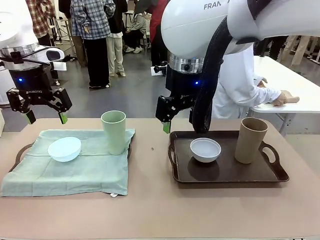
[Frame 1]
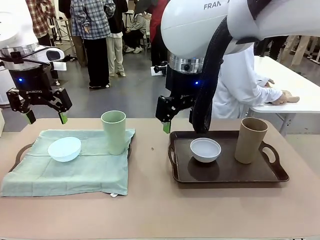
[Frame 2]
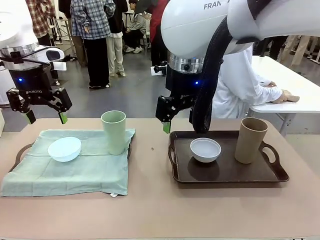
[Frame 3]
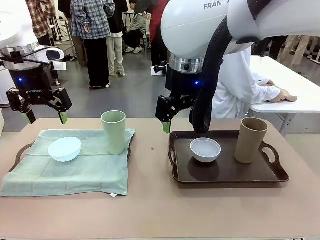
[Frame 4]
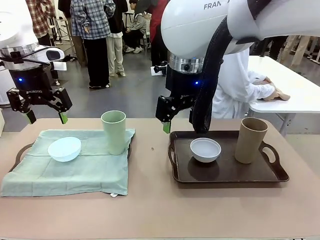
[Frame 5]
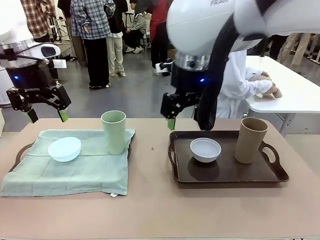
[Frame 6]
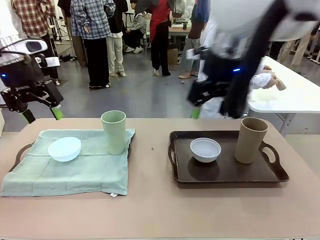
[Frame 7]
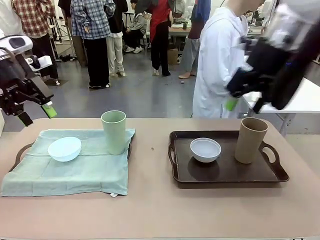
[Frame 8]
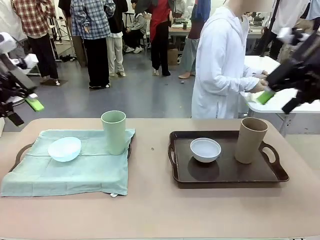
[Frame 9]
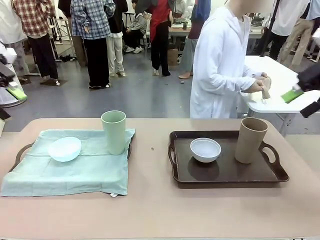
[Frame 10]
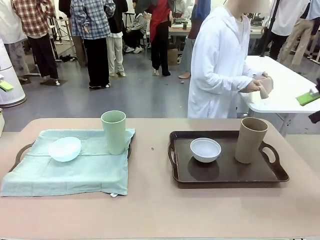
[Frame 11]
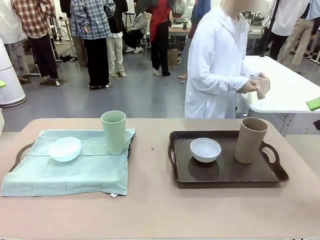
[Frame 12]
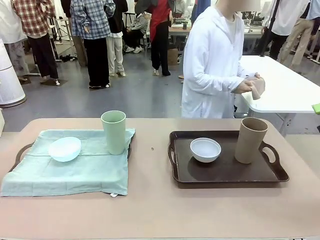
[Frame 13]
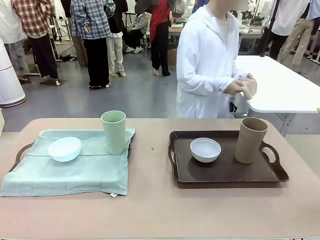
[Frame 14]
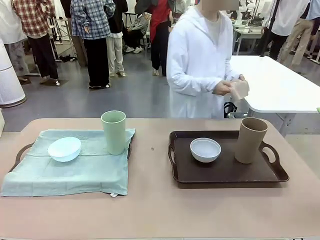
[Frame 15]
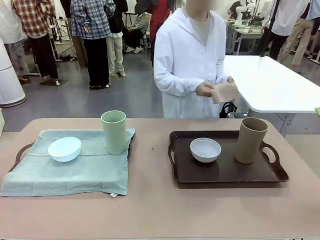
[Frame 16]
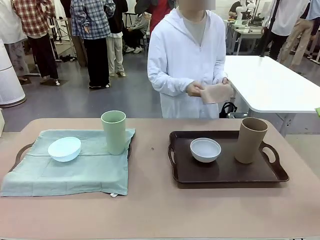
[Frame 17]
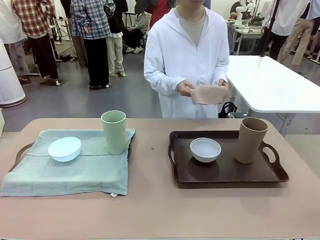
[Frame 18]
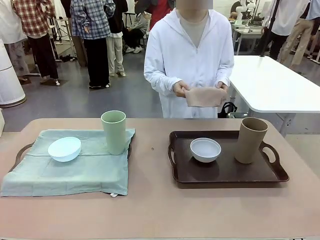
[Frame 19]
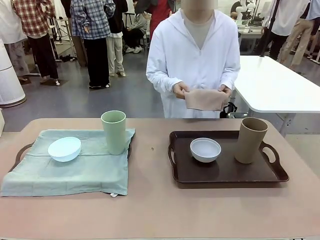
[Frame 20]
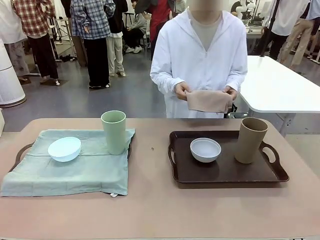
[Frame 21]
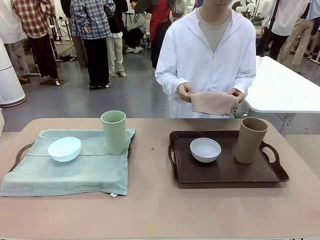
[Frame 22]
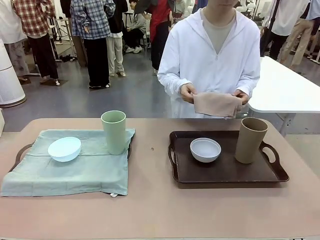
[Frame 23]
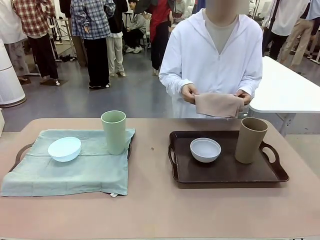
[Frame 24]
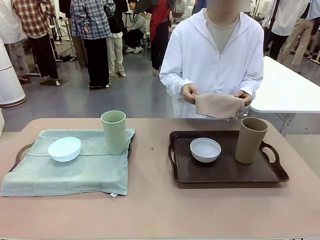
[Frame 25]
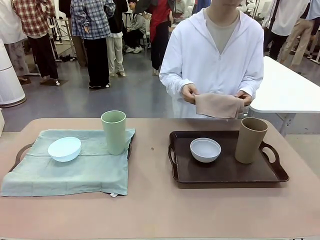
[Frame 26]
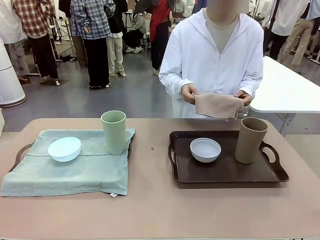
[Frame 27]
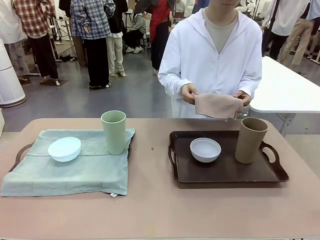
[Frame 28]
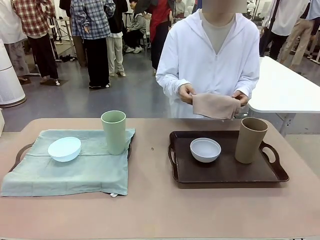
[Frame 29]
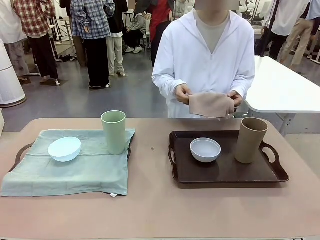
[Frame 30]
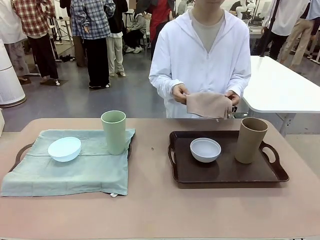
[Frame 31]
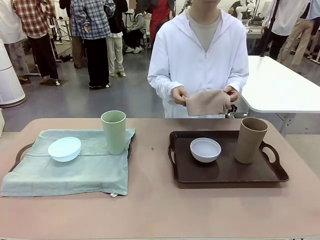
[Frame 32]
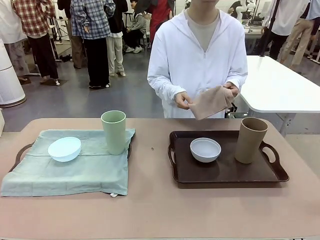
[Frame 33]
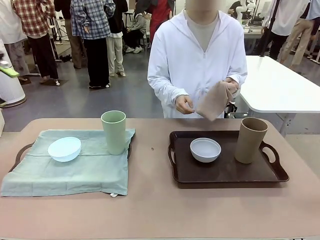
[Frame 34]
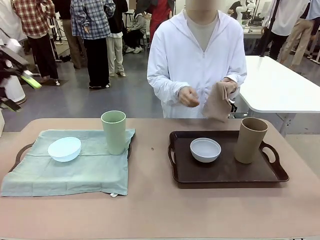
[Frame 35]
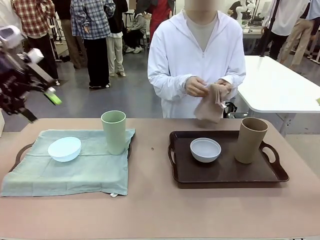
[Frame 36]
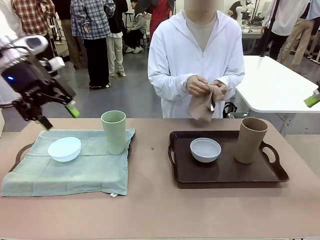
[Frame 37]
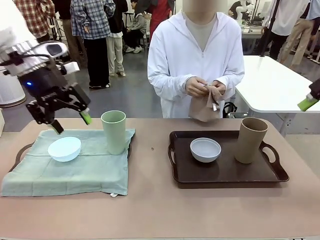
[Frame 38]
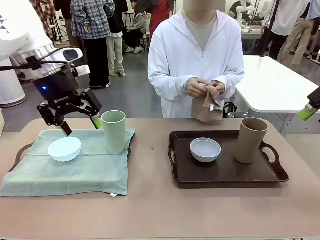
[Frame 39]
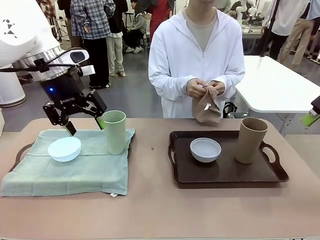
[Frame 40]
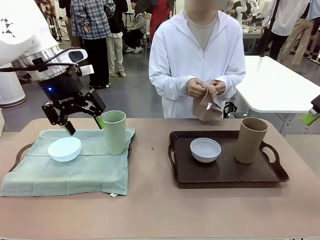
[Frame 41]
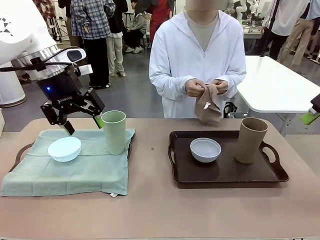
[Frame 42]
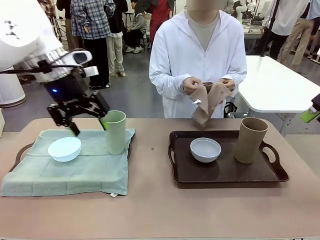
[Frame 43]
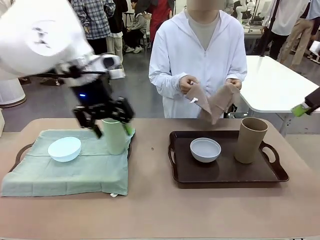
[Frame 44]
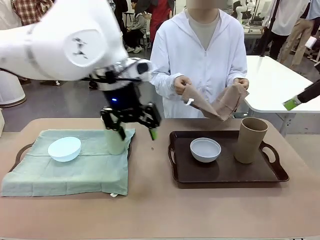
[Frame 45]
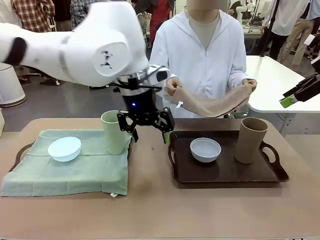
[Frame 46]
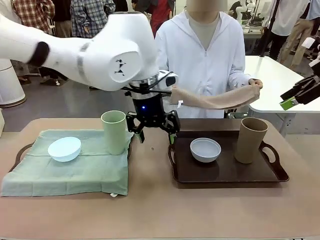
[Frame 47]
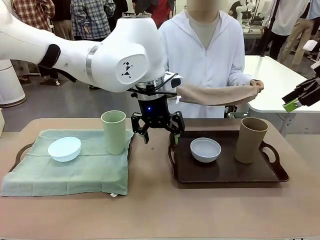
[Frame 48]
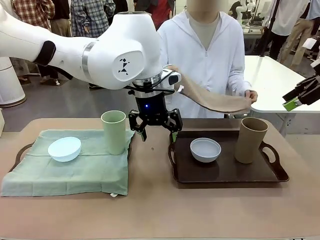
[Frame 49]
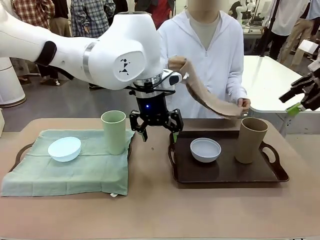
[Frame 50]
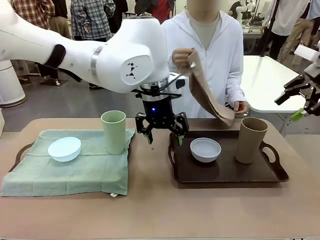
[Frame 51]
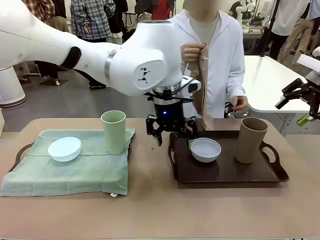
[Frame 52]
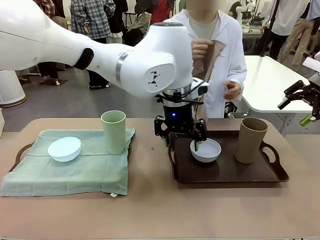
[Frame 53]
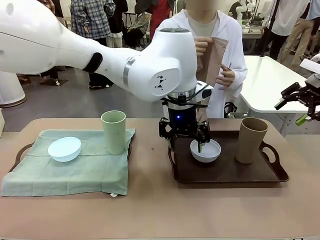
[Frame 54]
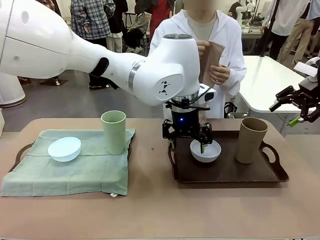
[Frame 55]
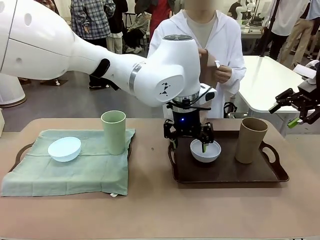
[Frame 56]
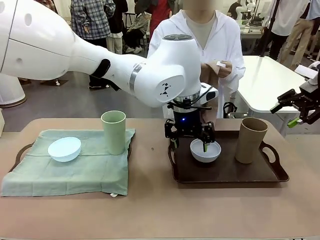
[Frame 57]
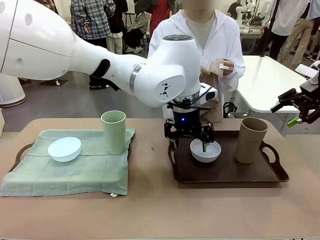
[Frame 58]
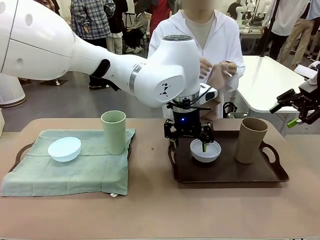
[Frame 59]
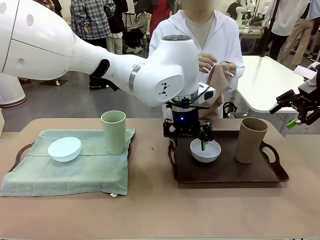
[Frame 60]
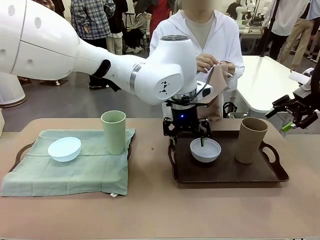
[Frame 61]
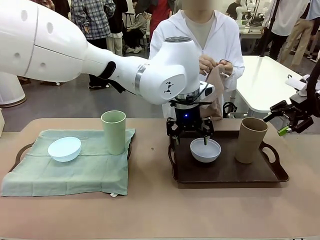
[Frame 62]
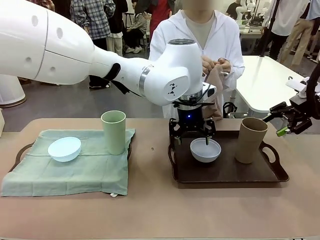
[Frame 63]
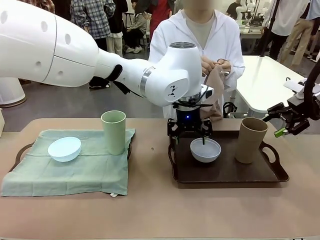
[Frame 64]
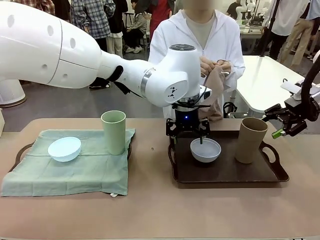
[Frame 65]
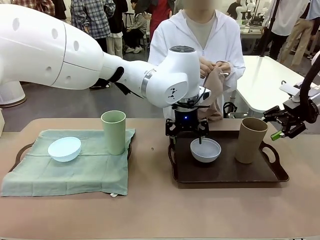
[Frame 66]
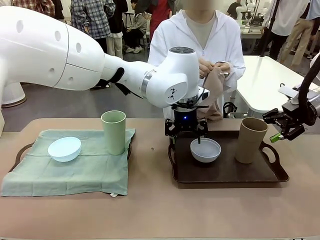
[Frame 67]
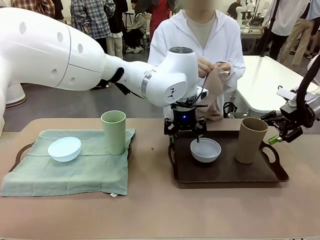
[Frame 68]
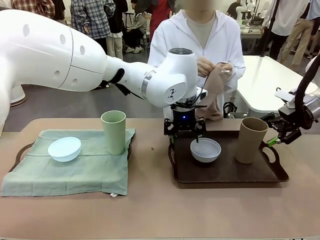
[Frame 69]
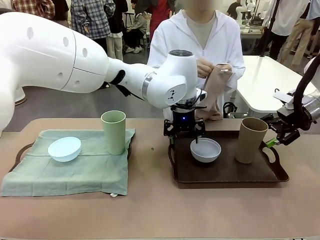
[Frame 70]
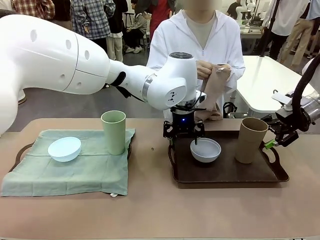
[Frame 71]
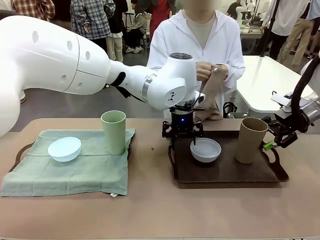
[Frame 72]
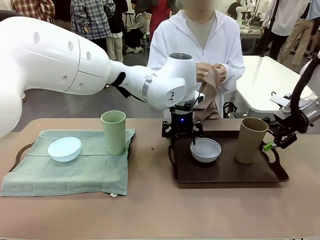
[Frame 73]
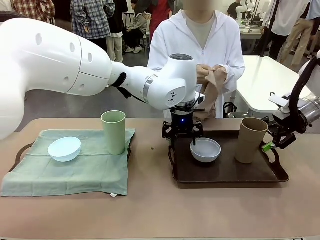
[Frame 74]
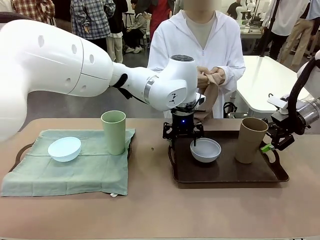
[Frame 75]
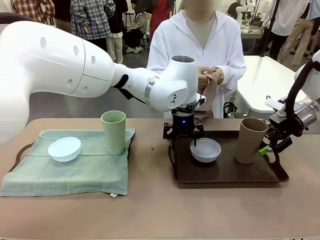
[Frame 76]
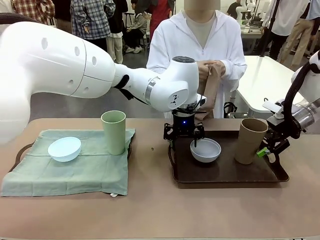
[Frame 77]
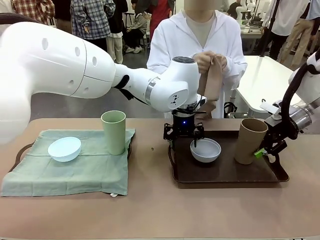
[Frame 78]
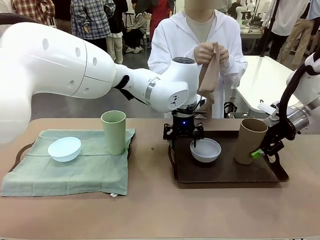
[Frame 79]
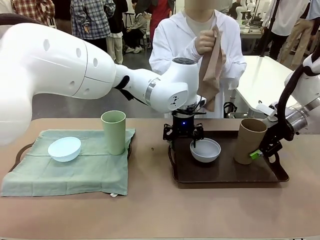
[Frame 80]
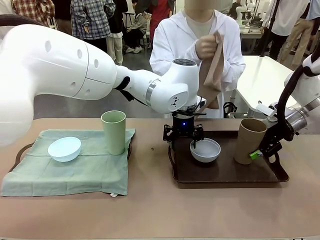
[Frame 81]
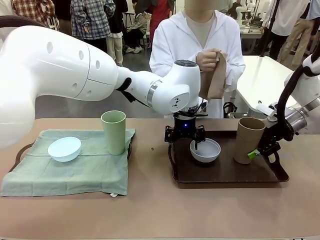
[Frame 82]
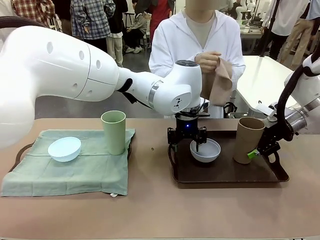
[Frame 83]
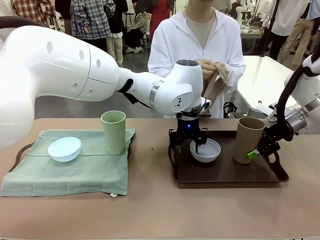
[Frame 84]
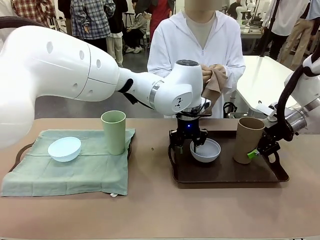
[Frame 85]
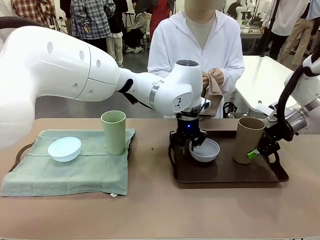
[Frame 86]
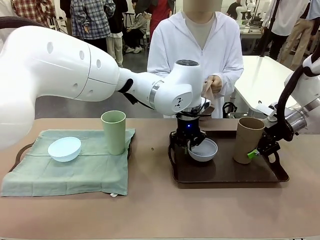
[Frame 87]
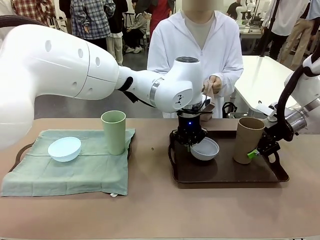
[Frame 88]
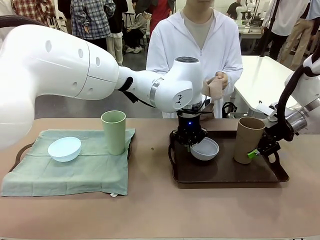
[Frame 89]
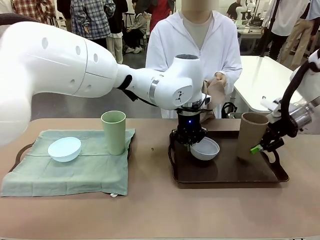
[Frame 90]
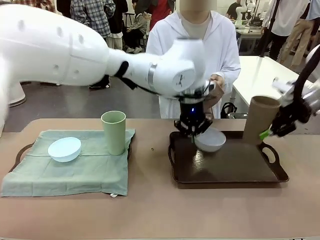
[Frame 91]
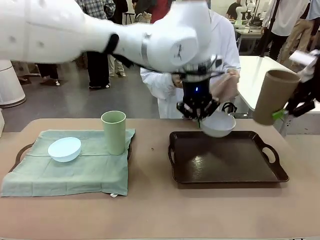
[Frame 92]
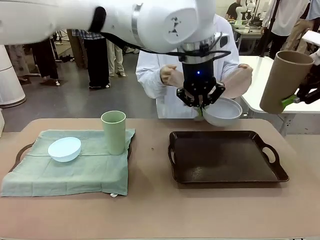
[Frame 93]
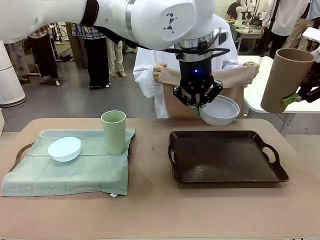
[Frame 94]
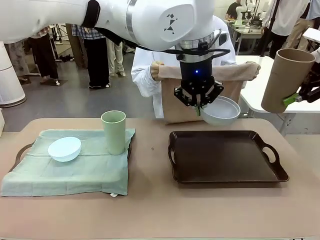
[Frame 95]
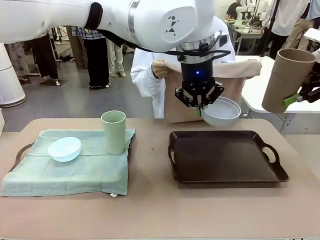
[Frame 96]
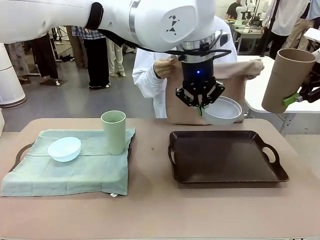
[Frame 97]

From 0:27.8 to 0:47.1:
Robot: Pick up the Picnic Bowl and Reusable plastic cup from the Handle tray in front of the human's position and hold them in the air.

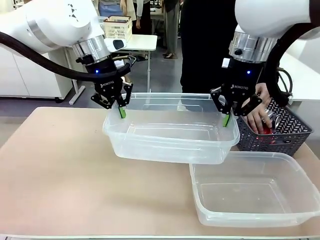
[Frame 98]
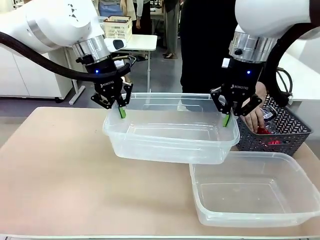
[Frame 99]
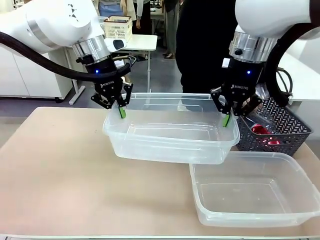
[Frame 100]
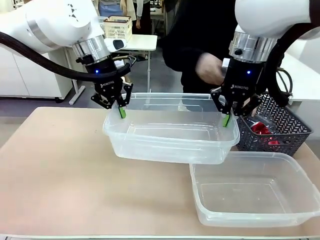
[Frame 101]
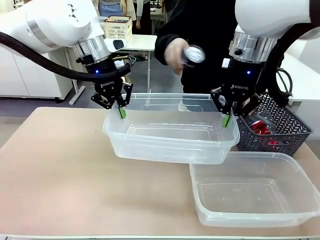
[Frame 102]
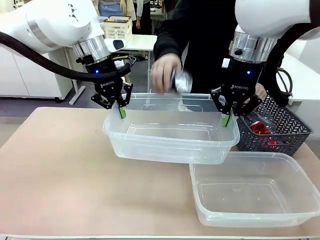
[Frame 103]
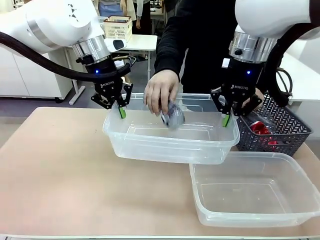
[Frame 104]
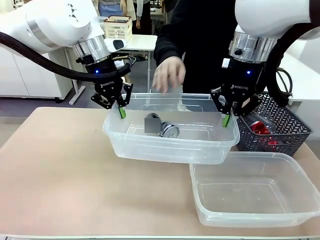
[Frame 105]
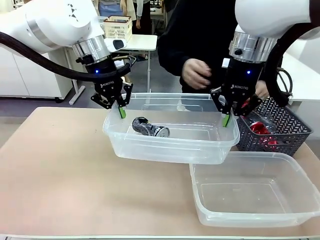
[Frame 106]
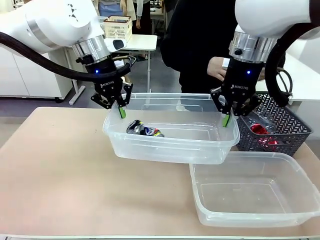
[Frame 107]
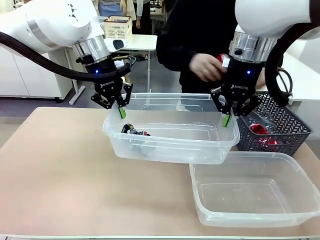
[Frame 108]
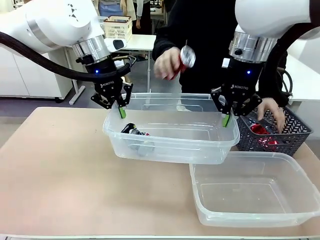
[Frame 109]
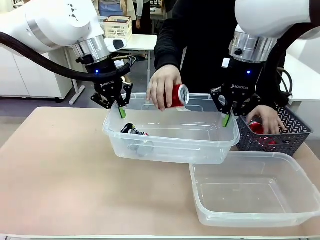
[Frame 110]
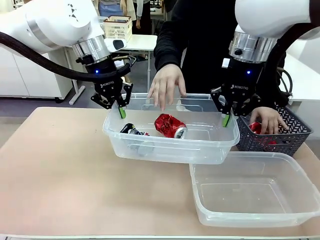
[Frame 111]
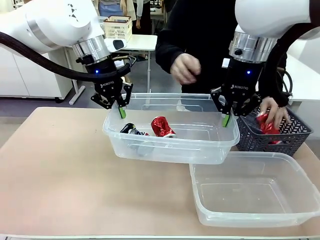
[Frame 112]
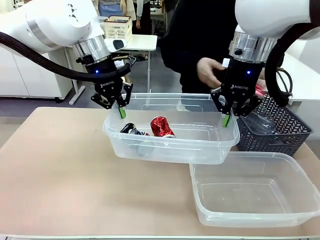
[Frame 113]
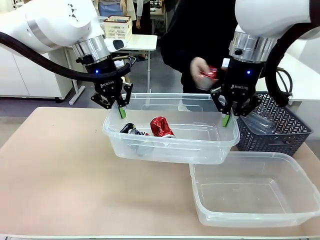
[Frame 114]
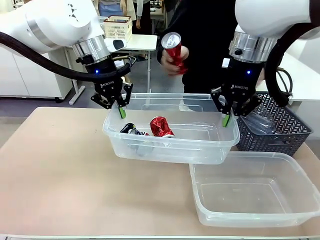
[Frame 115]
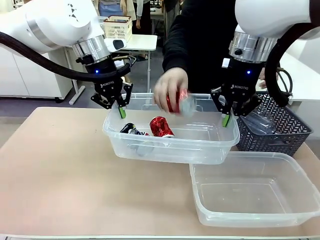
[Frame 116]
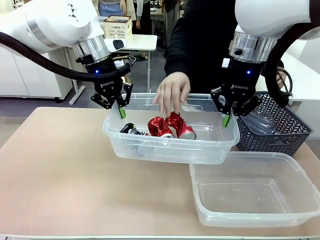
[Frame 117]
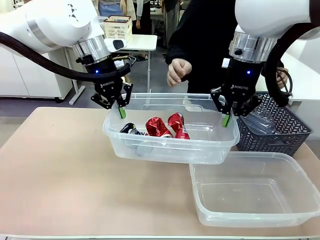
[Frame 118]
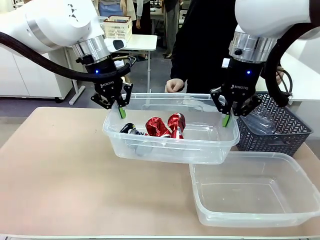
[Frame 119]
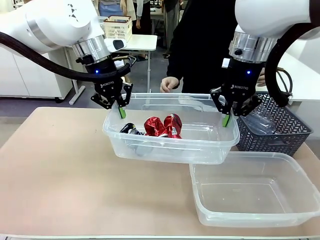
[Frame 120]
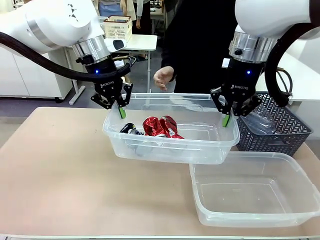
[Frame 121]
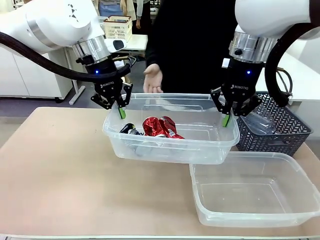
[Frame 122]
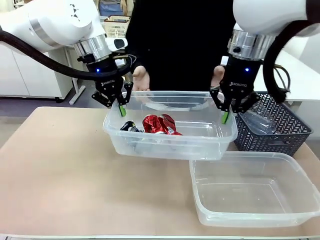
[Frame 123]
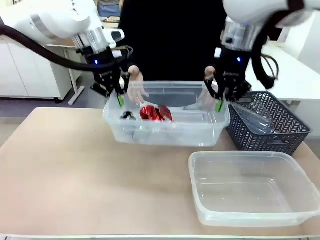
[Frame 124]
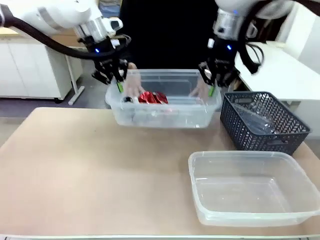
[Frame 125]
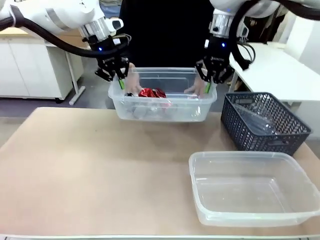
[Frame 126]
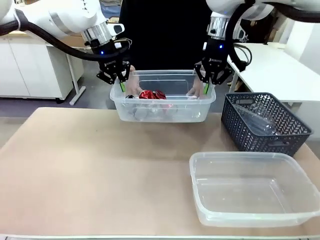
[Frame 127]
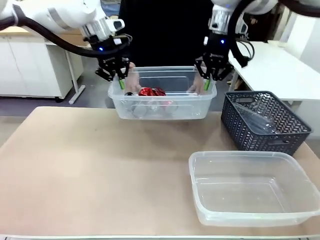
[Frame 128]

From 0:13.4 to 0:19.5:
Robot: Offer the picked Organizing box to the human.
